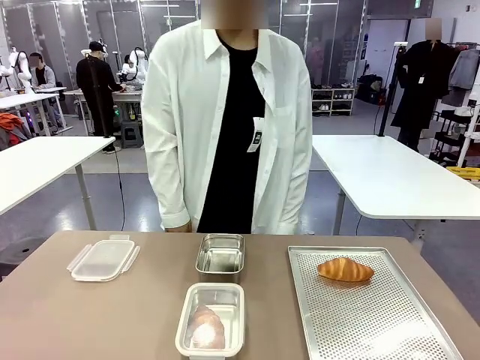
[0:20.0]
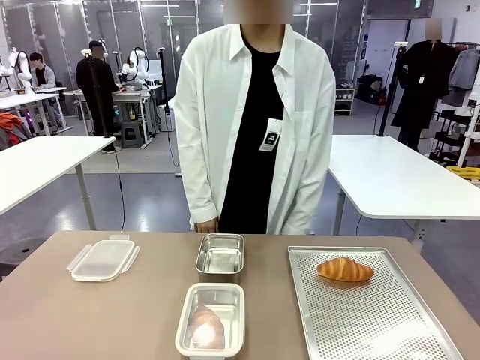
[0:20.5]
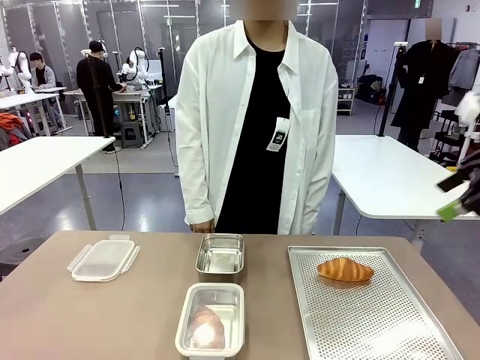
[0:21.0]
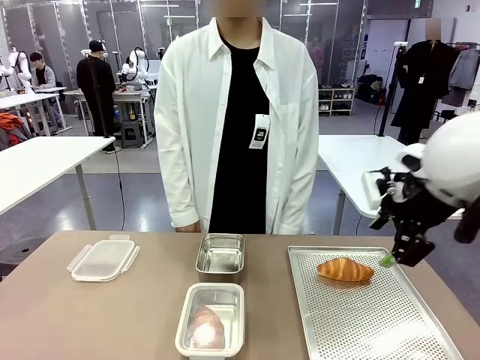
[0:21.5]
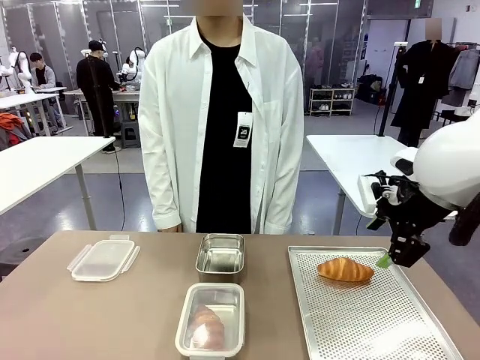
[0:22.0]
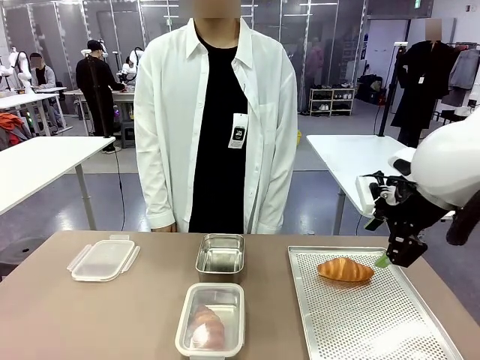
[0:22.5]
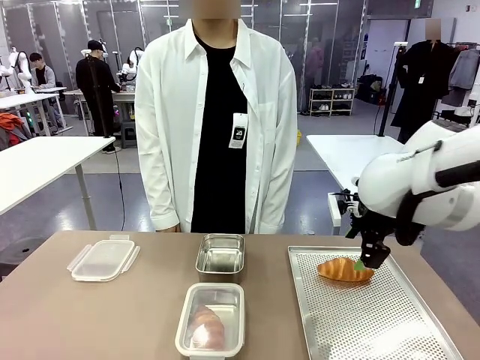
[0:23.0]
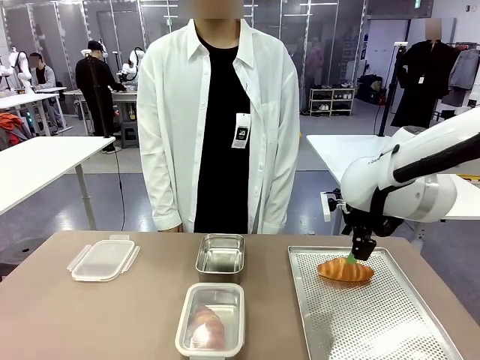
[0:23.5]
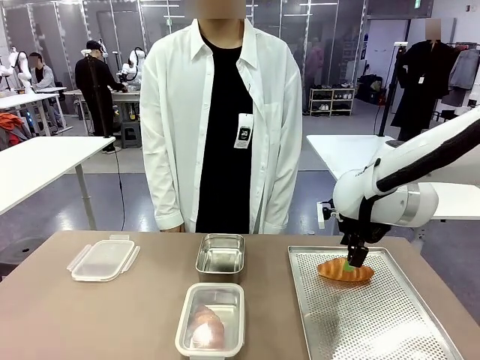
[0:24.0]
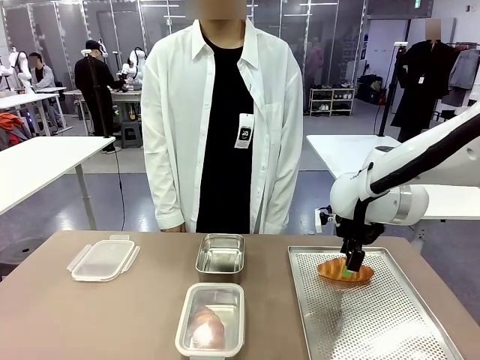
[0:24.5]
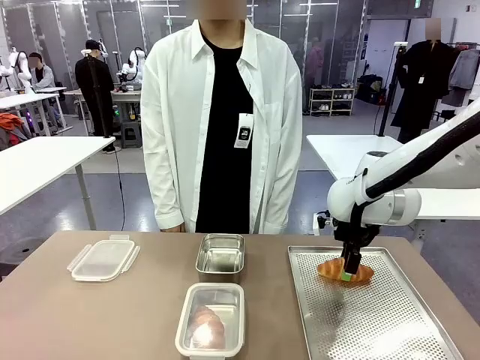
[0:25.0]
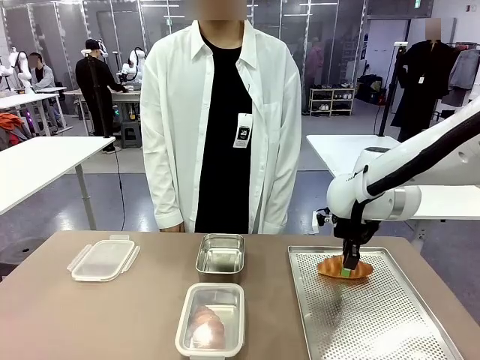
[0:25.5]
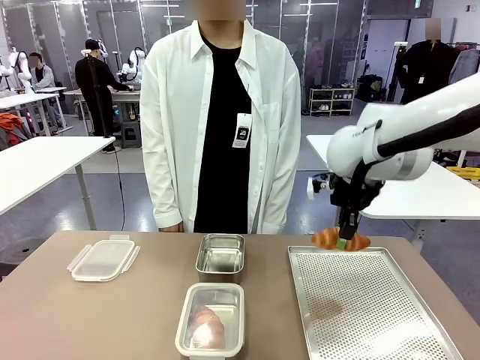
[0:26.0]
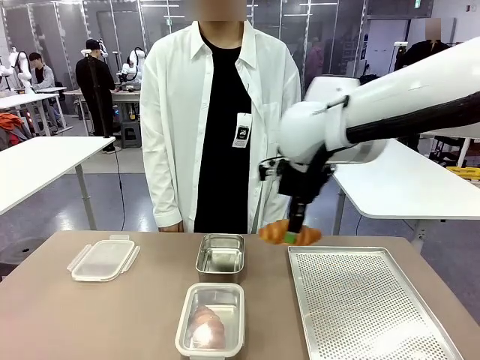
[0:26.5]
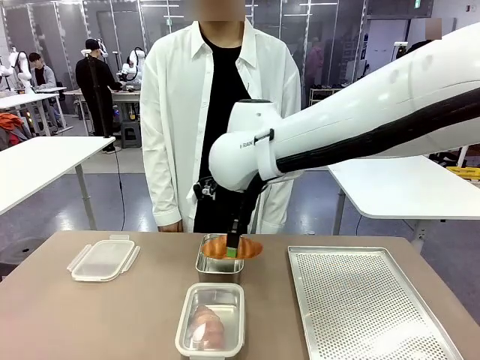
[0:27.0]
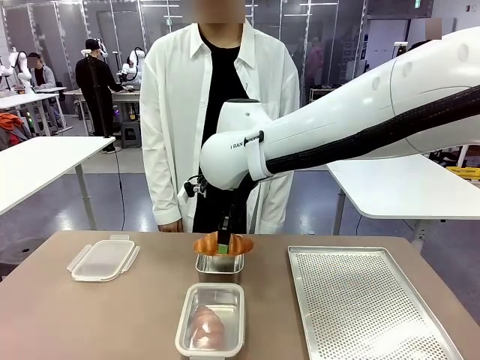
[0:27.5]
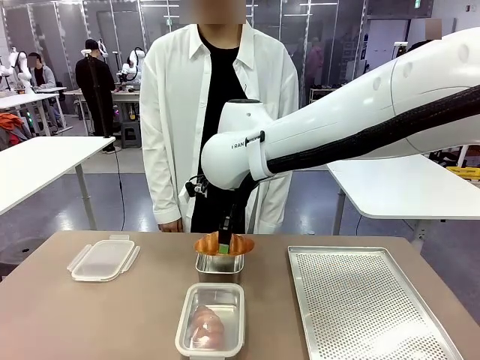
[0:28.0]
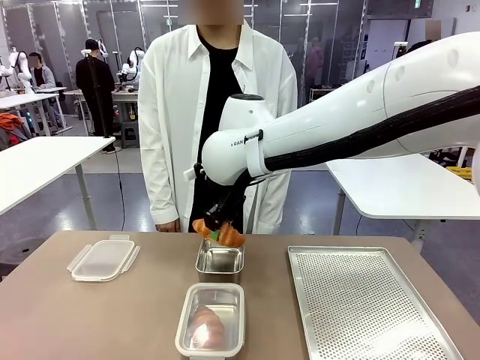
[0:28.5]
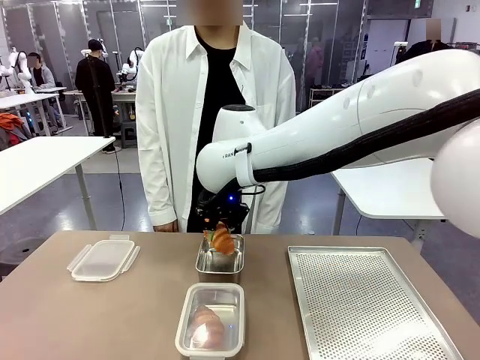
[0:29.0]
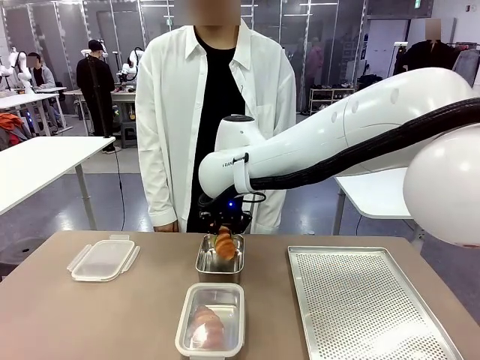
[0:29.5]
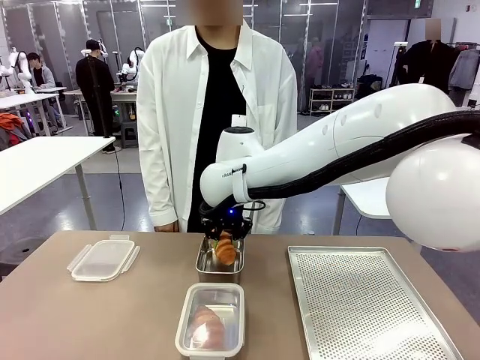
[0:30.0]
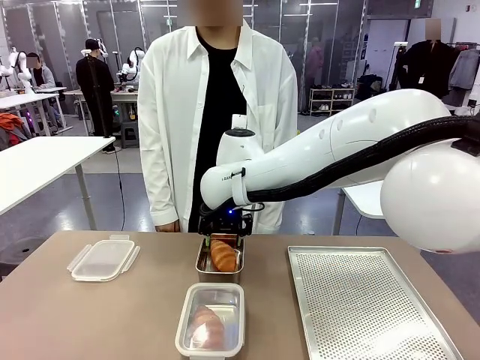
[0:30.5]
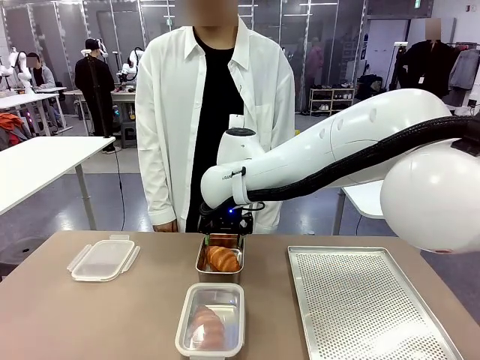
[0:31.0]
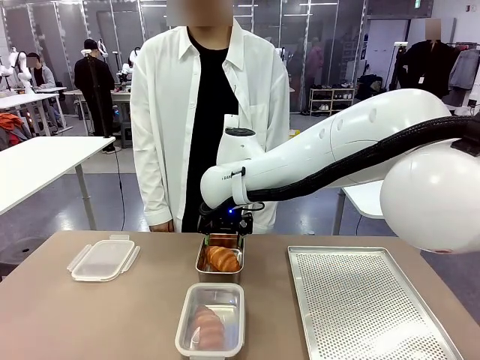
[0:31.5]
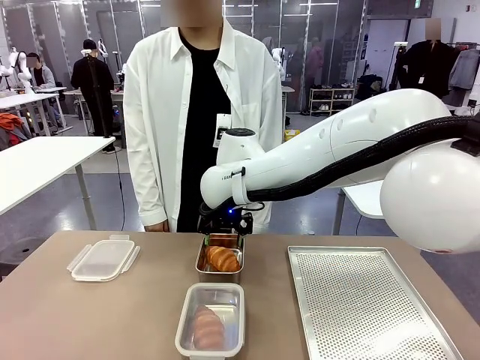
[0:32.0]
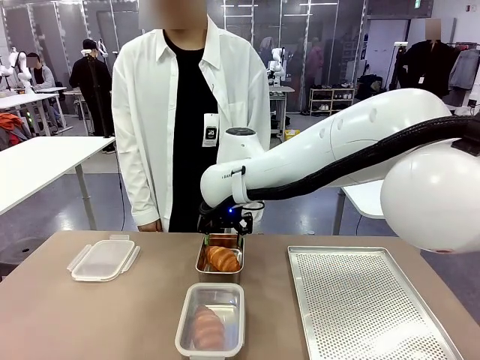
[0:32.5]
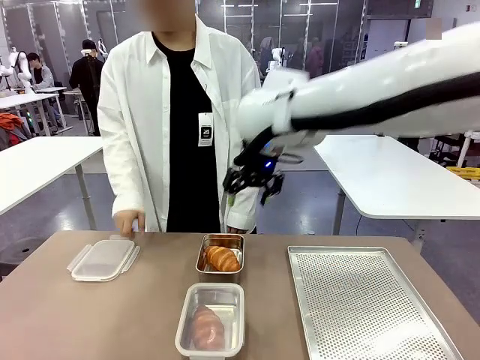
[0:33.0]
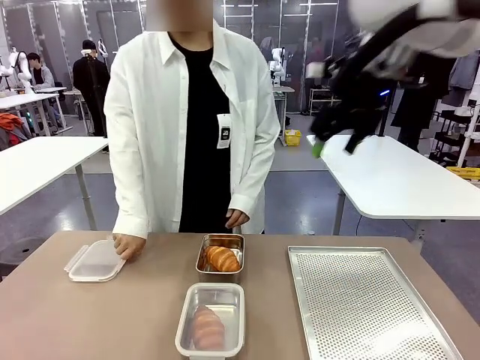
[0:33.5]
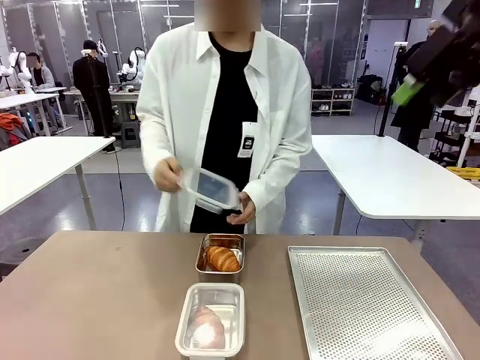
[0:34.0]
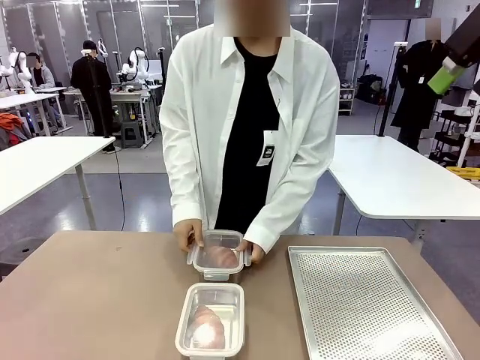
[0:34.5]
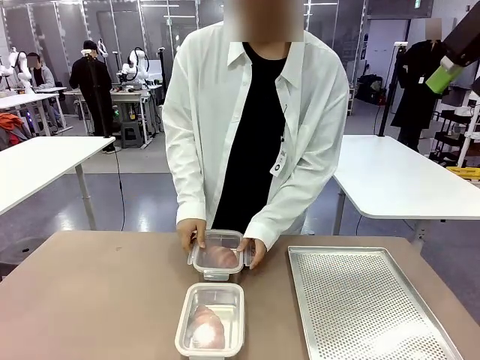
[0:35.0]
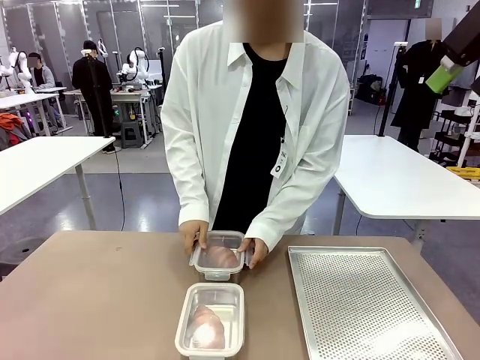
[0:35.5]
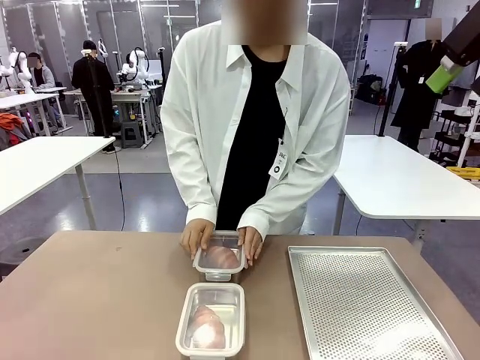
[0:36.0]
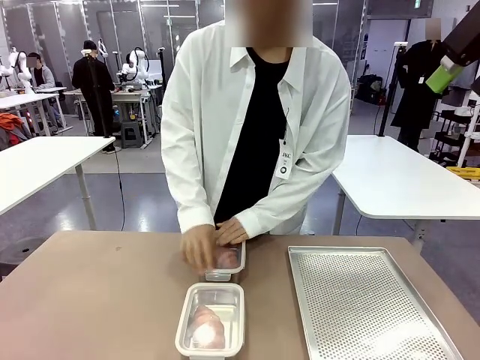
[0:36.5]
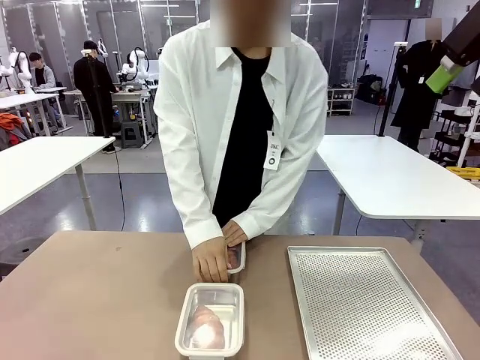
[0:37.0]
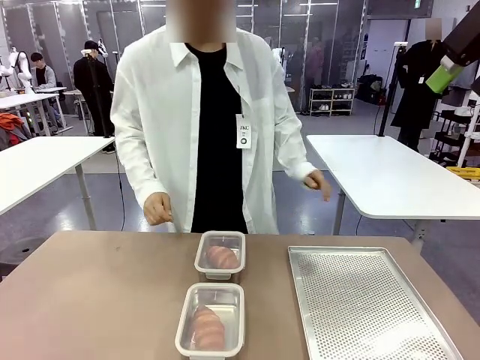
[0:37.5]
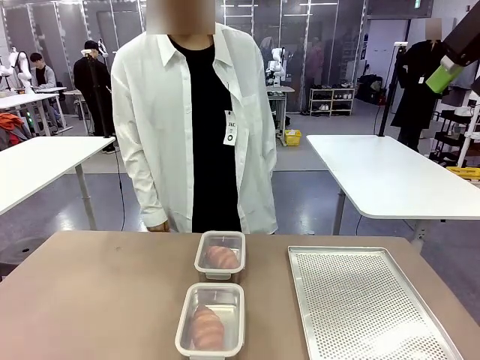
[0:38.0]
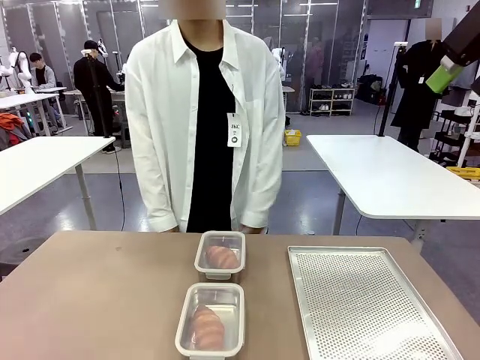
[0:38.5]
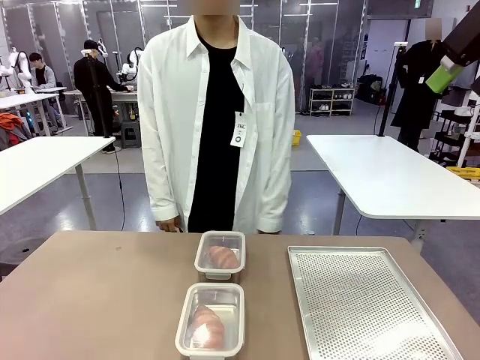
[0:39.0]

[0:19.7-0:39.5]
Task: Place the bread into the airtight container.
Robot: Pick up a Butter Roll and place it into an empty Airtight Container.
Person: Once a Butter Roll is inside an Airtight Container , close the lid of that Airtight Container.
